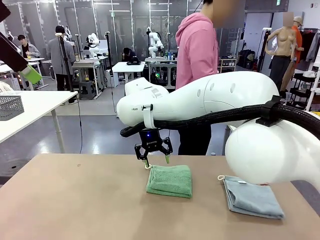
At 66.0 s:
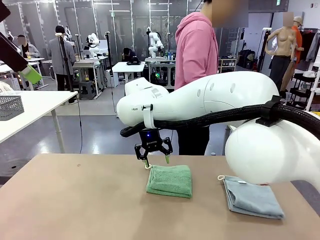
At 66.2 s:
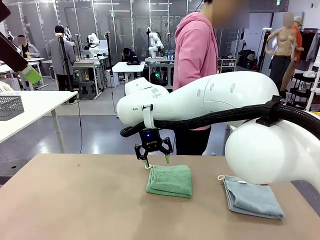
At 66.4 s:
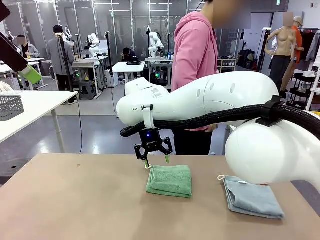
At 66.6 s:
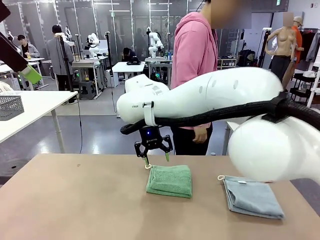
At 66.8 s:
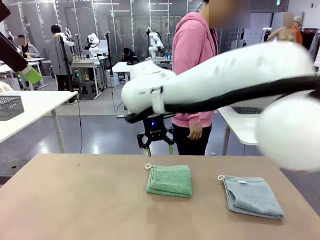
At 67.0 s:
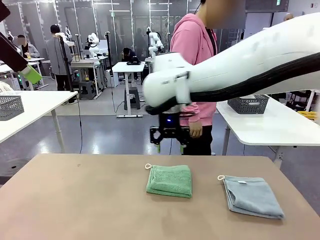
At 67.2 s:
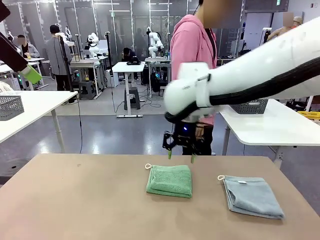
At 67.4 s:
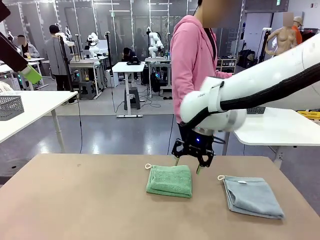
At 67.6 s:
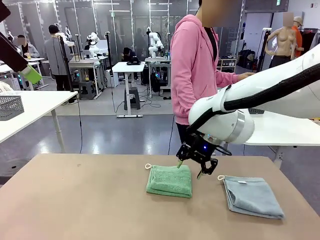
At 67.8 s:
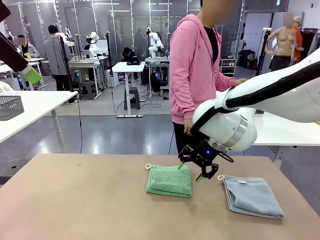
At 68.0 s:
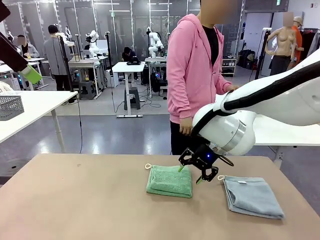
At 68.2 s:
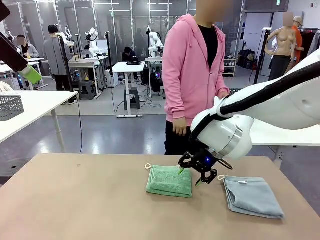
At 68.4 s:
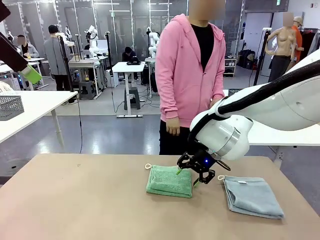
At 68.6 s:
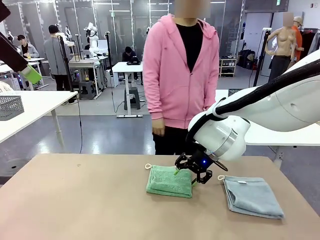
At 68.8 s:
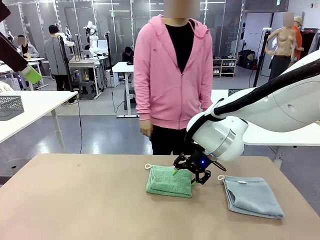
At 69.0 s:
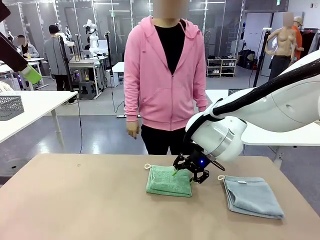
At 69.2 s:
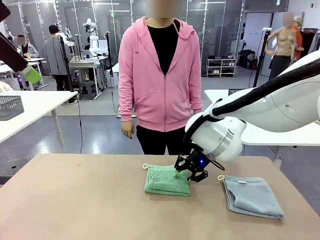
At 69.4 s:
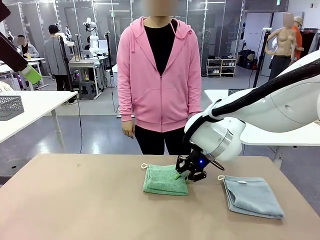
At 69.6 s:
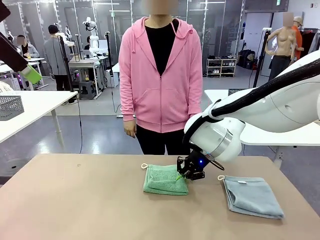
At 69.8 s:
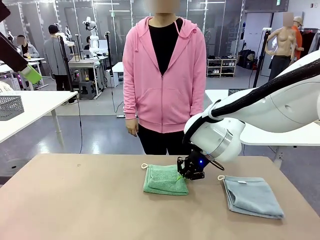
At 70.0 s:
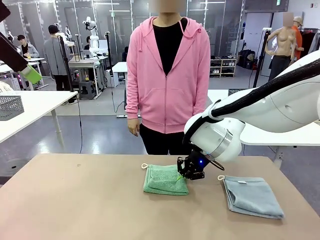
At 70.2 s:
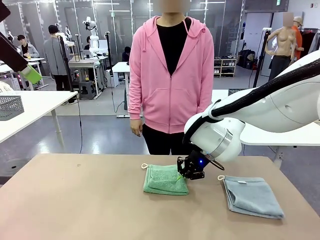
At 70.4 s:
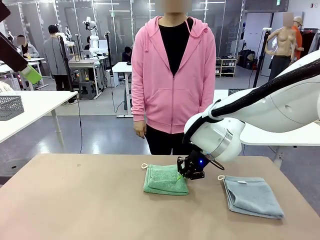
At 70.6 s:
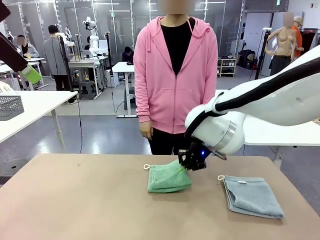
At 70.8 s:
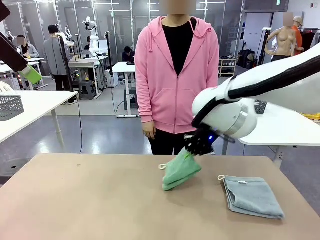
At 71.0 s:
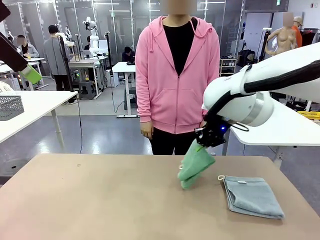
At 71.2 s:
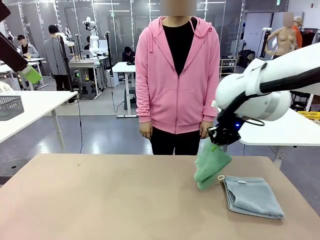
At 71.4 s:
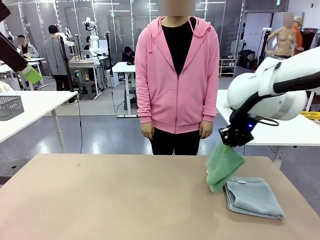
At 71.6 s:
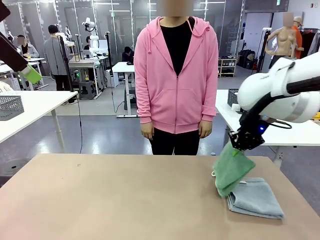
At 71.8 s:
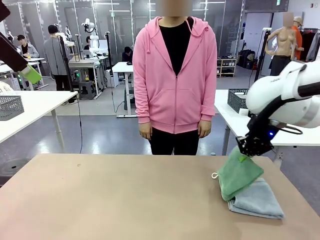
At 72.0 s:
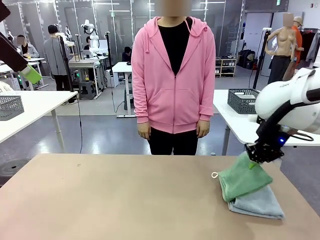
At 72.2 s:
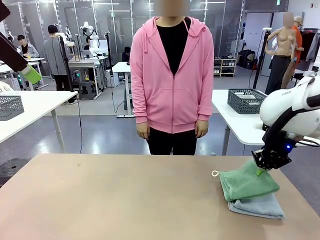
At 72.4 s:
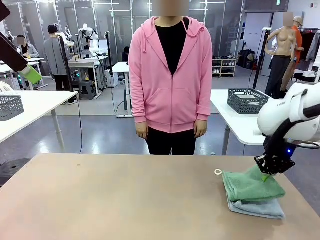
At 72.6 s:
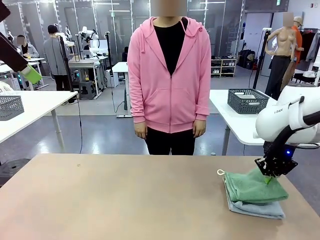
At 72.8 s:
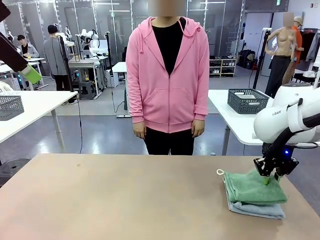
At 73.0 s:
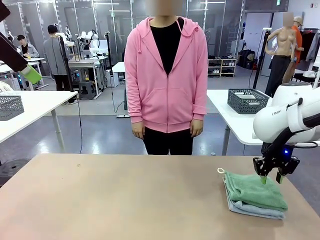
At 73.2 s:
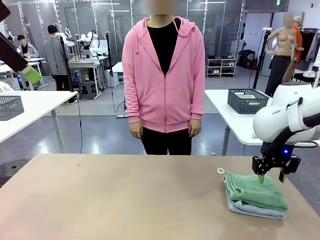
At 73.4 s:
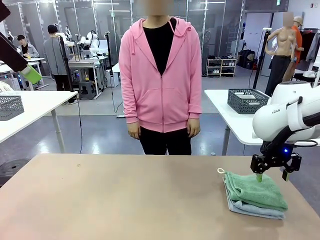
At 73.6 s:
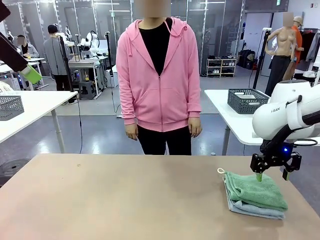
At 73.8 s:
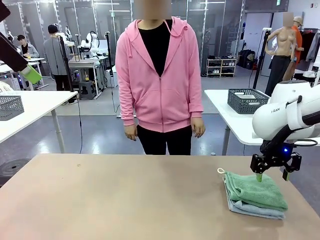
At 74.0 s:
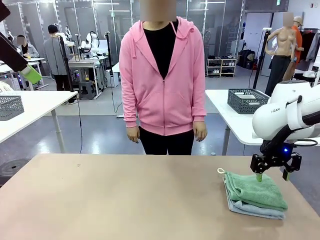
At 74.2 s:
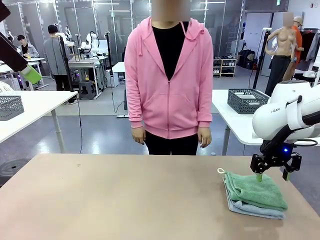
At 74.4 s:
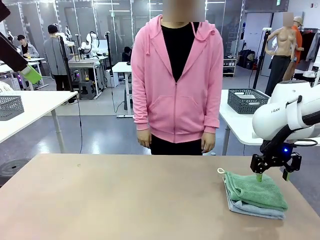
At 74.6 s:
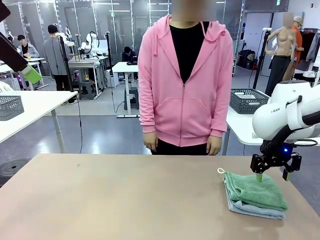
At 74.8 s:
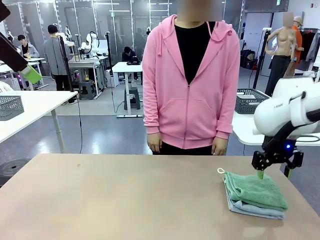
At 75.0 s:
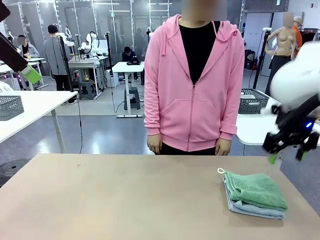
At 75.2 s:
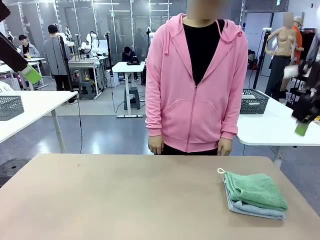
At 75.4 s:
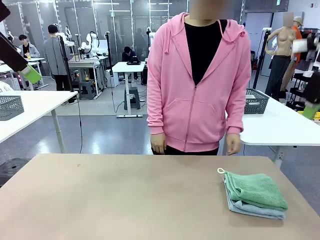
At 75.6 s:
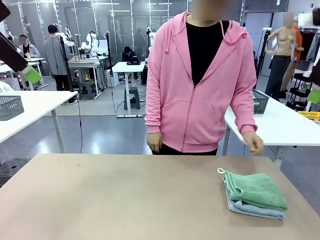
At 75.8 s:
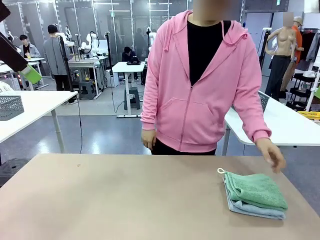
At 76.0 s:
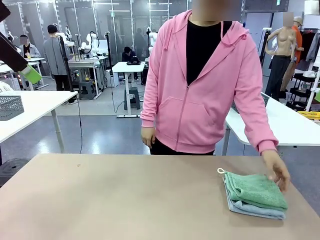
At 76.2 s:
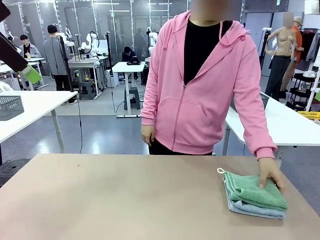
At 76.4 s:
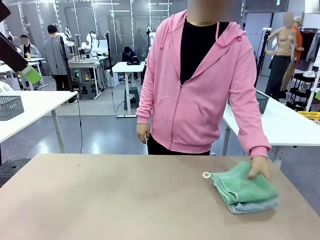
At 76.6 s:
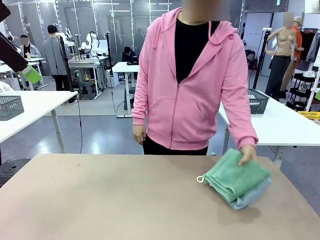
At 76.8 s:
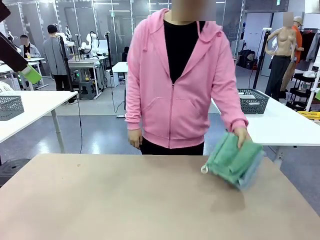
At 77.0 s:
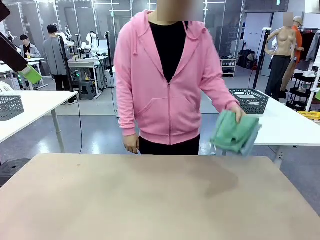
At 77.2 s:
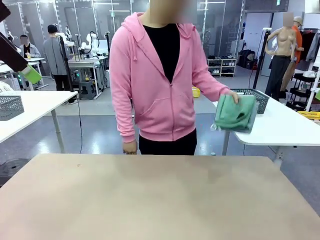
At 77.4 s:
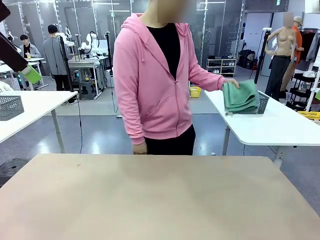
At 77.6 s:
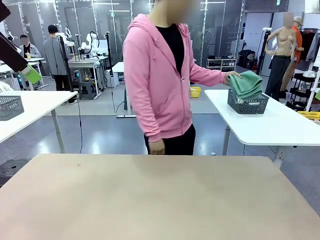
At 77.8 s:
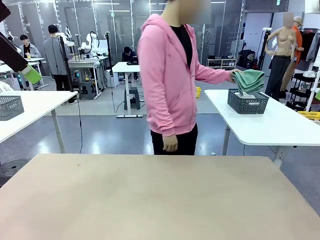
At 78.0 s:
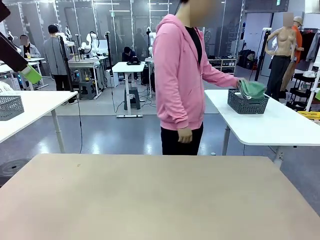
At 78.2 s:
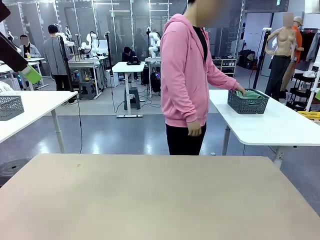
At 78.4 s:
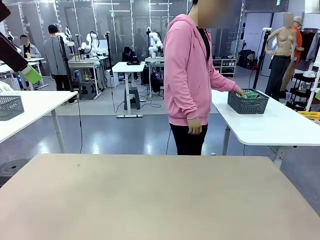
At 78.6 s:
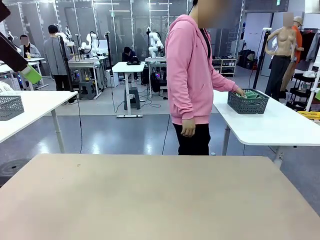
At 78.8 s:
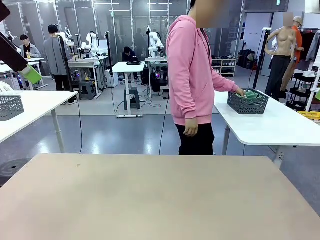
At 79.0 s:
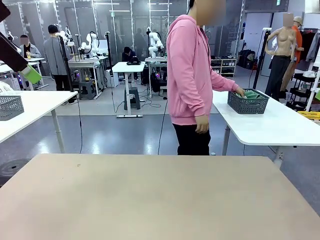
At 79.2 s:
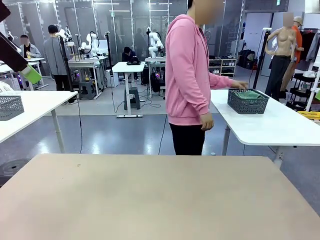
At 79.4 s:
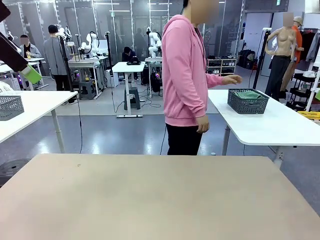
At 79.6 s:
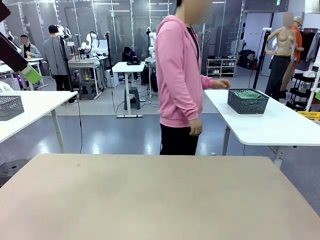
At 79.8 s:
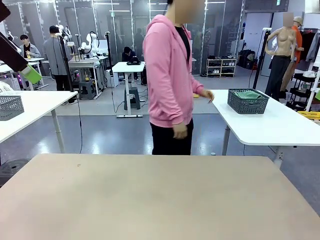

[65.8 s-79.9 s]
Task: Fold the towels and place them in the basket.
Robot: Stack the folded Towel with hook on the right side of the table.
Person: Pick up the stack of towels from the robot table and place it into the basket.
